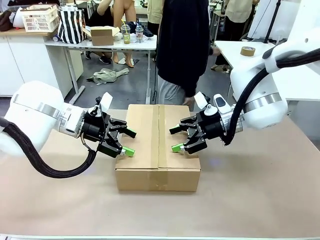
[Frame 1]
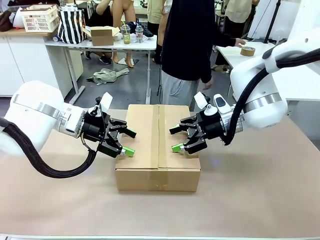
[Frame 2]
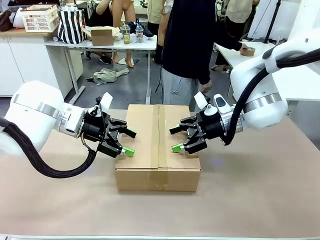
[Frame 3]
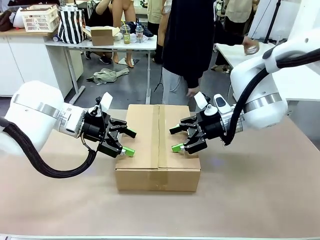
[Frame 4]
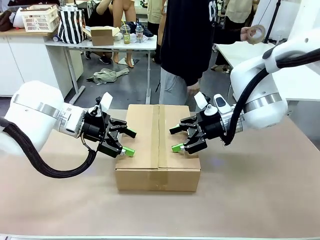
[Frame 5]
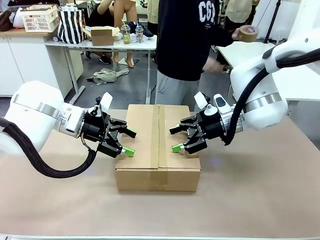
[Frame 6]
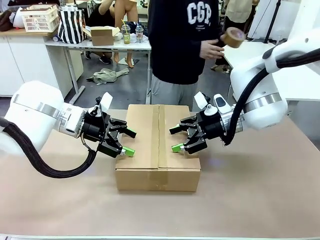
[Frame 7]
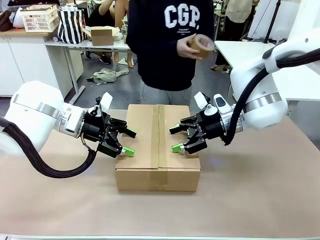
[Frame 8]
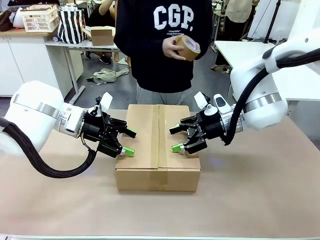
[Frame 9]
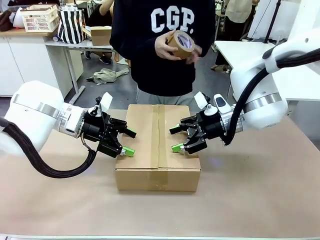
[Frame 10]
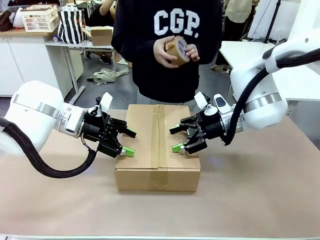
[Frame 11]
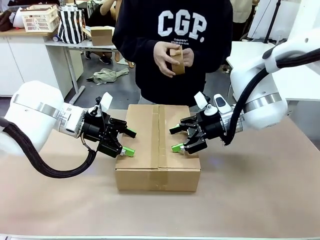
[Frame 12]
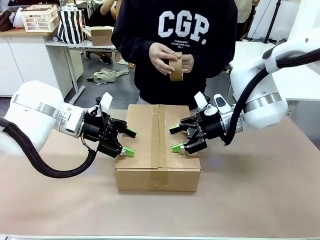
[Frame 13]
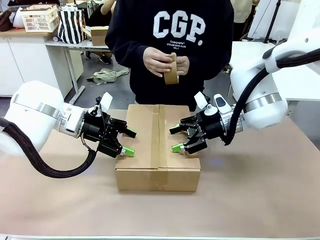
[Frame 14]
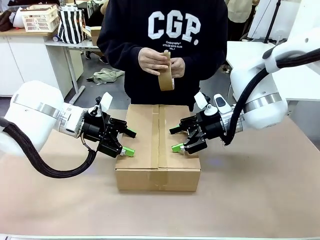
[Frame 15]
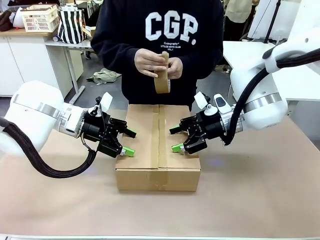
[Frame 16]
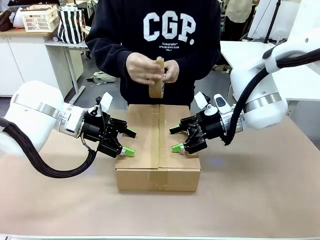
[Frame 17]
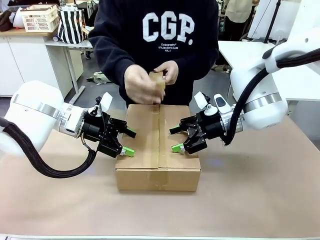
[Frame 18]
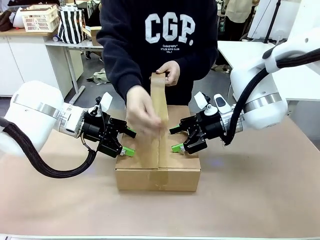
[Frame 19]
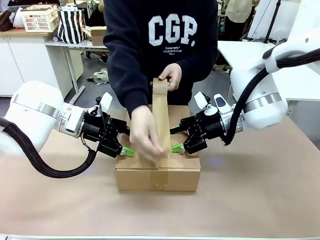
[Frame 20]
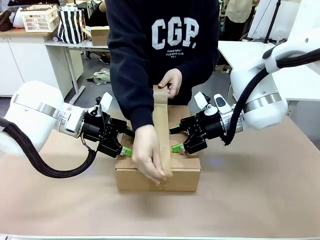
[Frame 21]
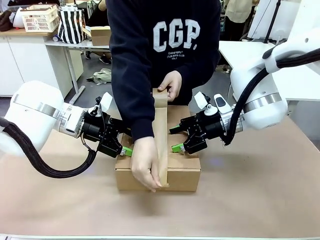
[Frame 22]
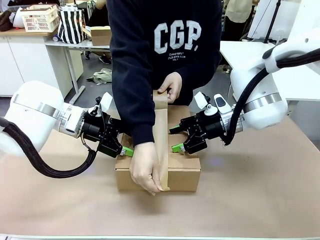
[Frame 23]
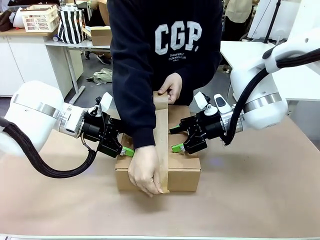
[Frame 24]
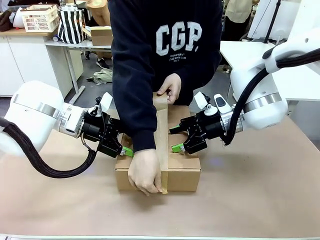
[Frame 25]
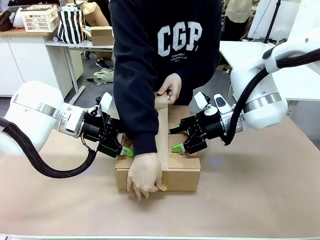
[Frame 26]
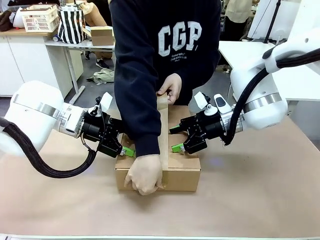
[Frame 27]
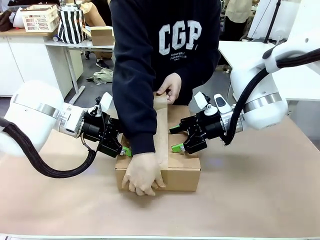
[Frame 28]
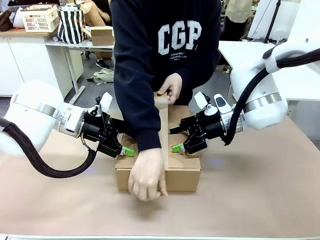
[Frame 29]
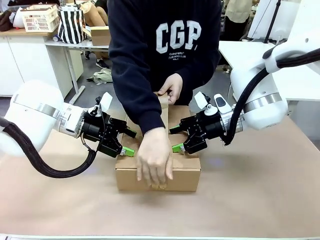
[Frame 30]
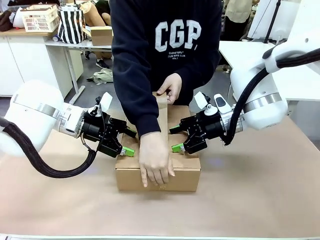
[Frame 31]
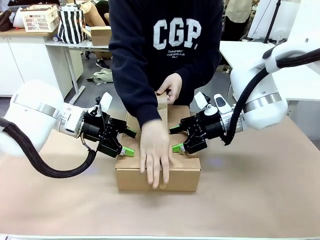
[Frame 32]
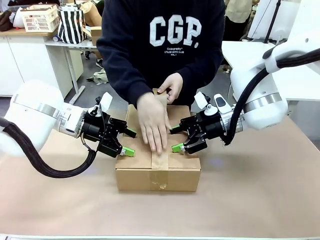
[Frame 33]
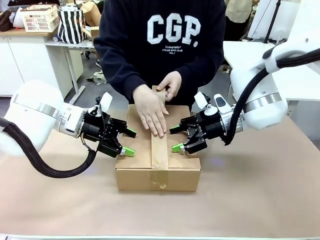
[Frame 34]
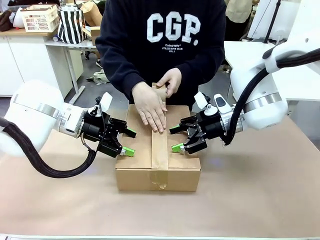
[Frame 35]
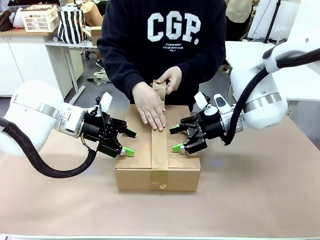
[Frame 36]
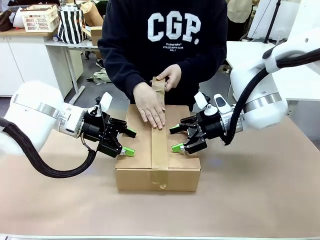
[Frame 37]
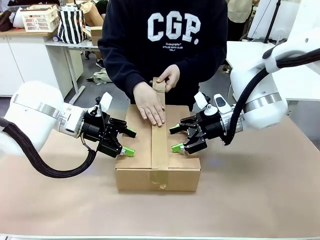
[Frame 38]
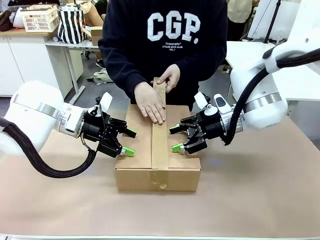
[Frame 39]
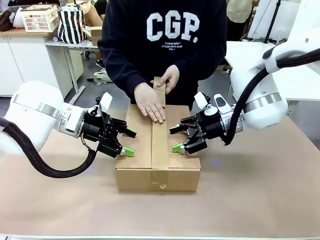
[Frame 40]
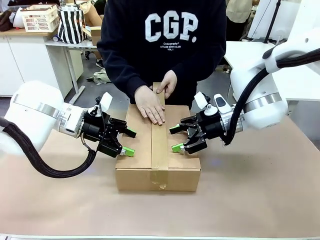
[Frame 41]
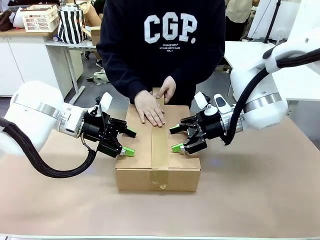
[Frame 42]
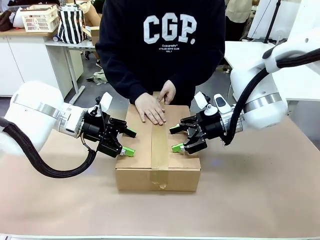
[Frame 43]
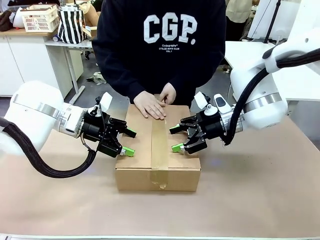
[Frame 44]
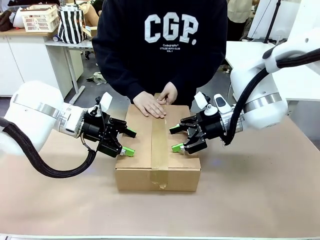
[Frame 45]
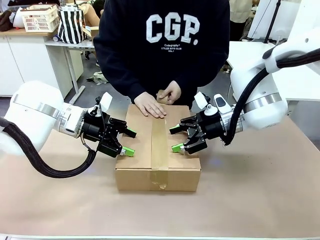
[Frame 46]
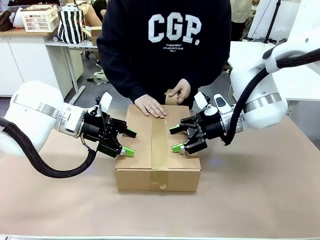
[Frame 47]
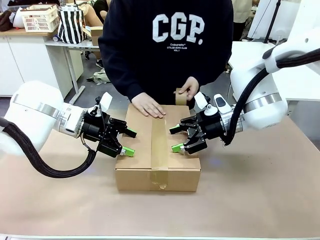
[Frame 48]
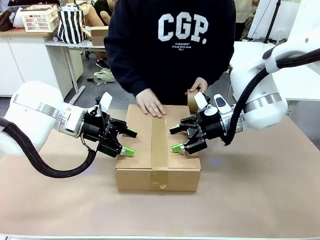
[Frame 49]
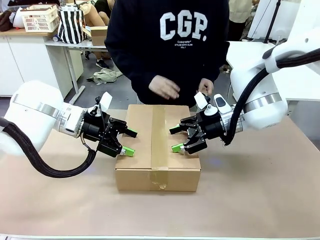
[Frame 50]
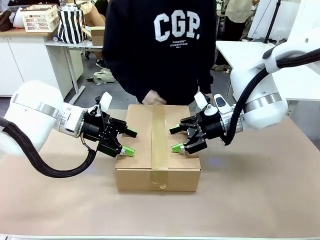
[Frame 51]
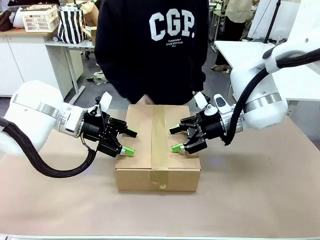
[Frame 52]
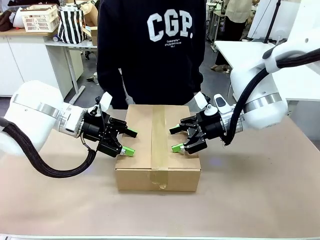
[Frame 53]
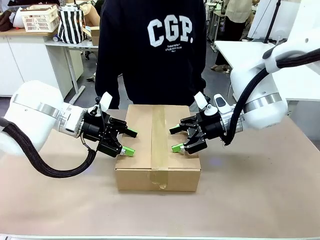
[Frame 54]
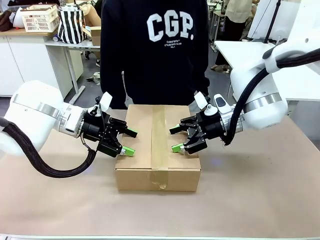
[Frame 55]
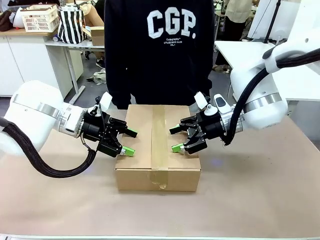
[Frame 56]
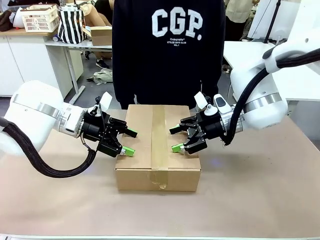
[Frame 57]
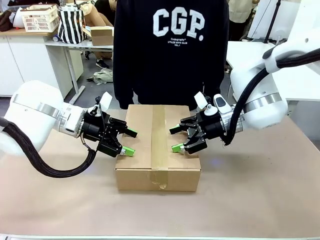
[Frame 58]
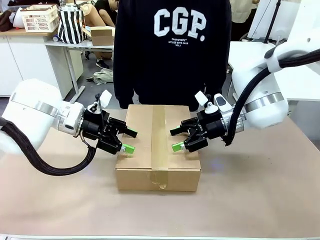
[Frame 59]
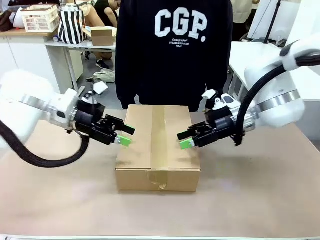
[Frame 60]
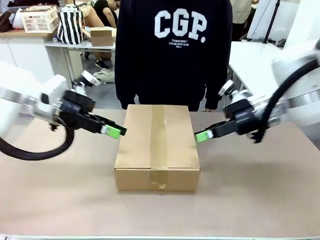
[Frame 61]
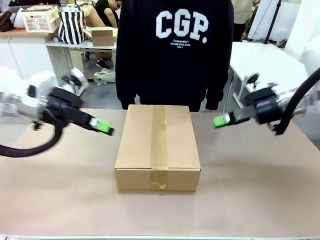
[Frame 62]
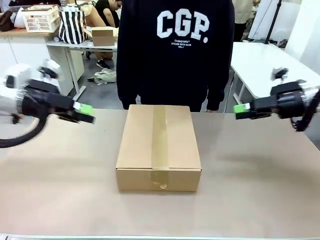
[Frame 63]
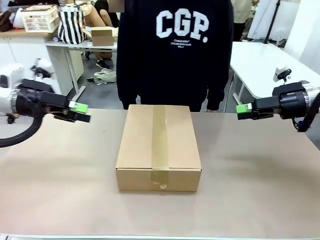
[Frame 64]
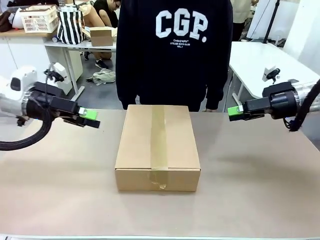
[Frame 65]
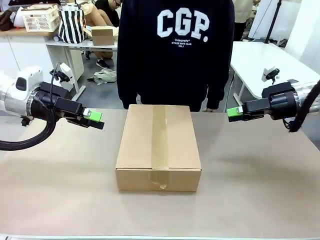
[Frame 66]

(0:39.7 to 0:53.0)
Task: Pack the gift set into the box.
Robot: Press and hold the closed box until the human finishes sealing it.
Person: The human picks up the paper tape from the human table and packs the box.
